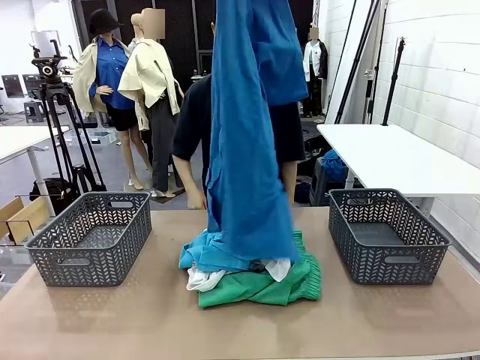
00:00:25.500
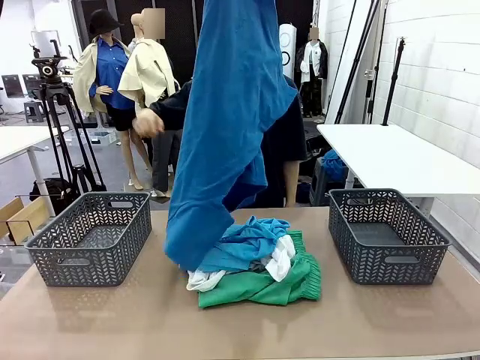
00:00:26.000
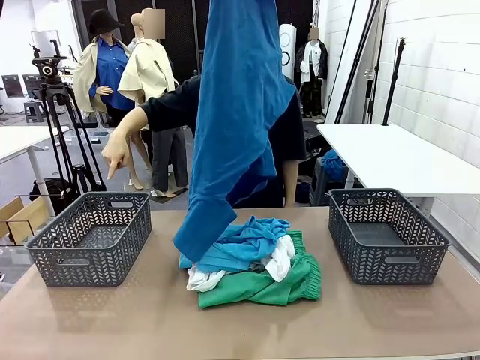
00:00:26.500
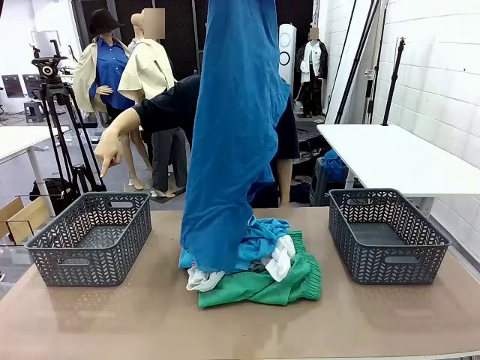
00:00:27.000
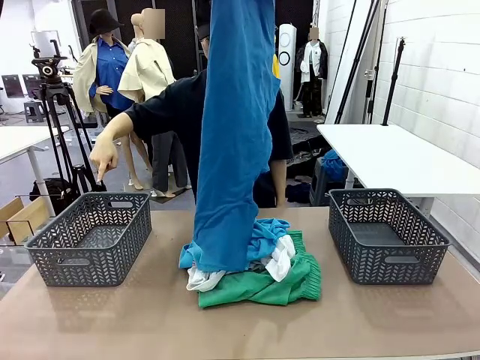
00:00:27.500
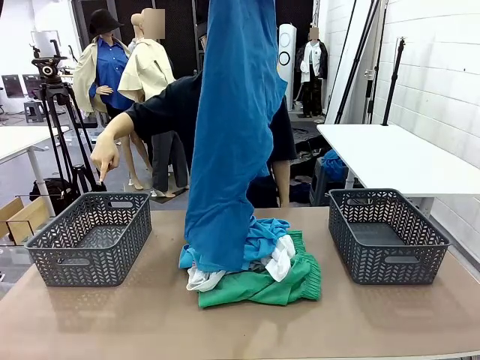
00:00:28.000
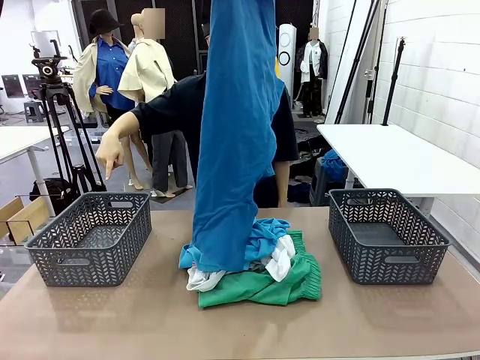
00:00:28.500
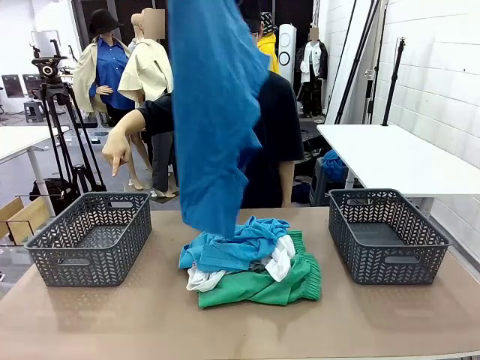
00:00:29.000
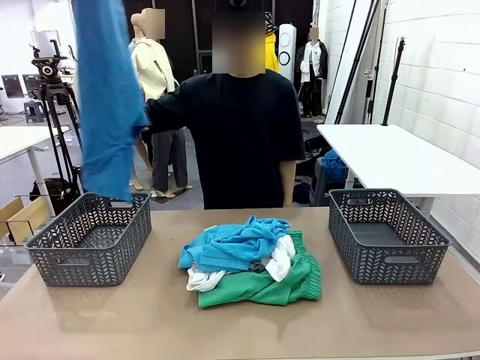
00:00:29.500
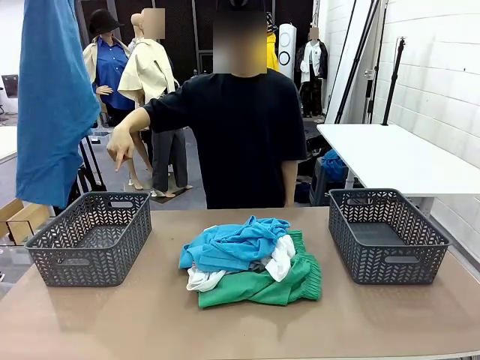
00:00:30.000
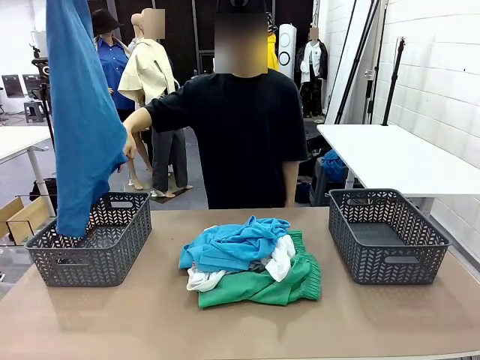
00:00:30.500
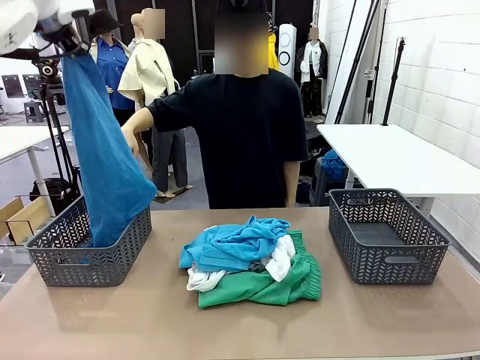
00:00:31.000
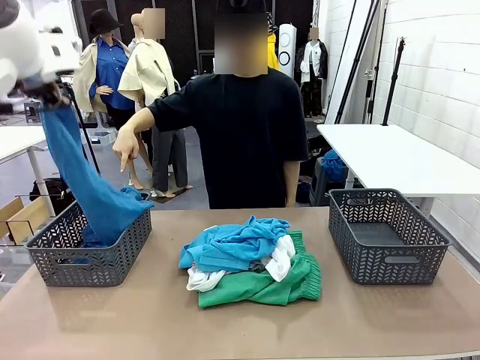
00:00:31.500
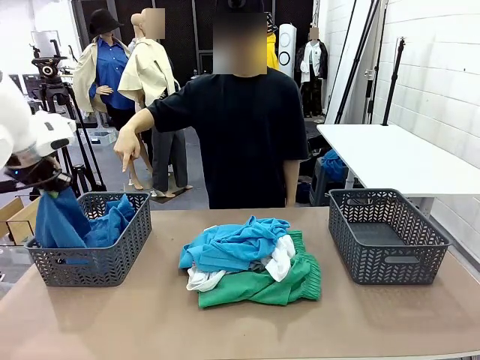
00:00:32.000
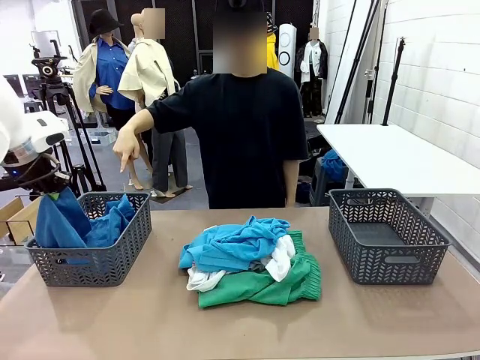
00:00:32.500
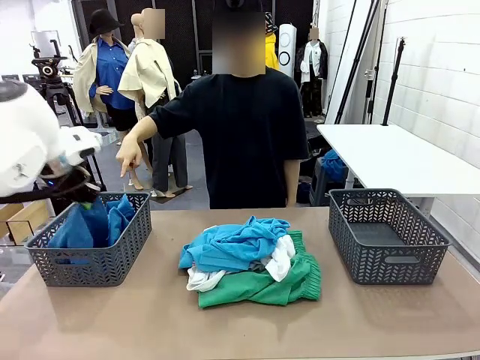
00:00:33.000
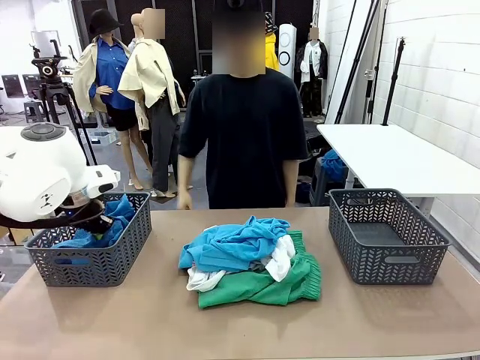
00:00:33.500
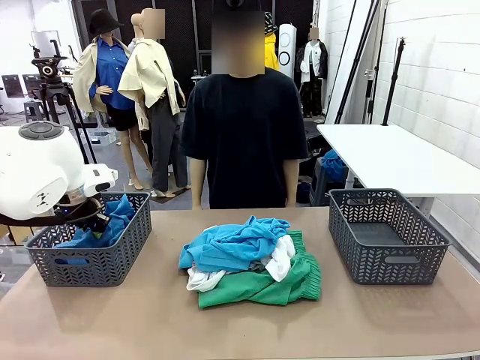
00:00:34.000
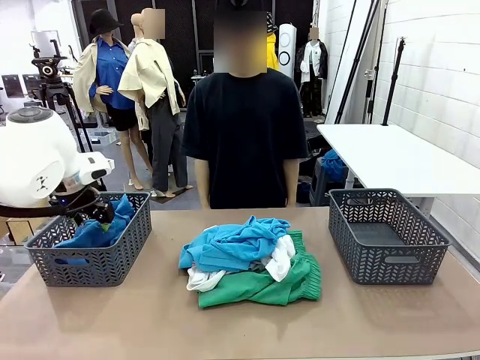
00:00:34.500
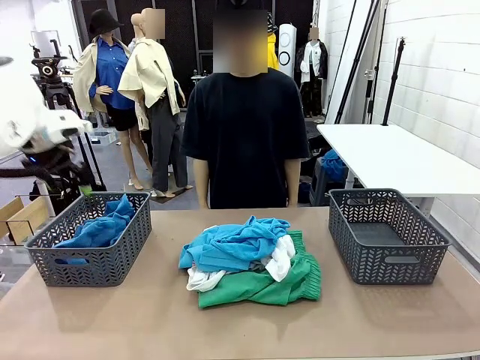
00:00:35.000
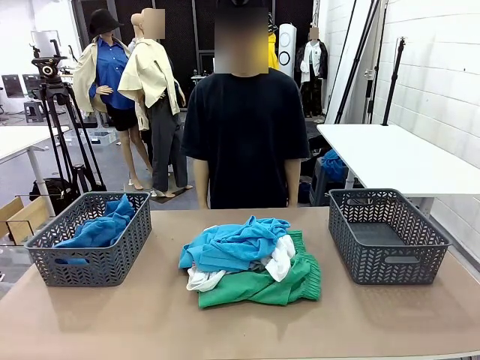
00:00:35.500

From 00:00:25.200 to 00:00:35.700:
Task: Sort the tops and bottoms.
Robot: Sort the clothes according to human instructions.

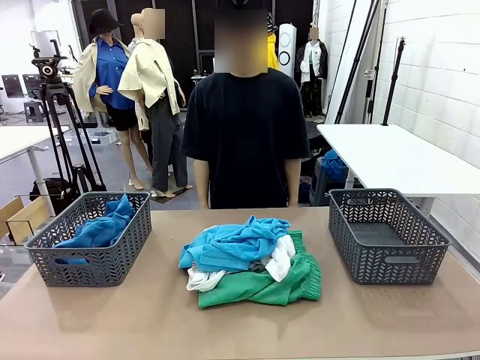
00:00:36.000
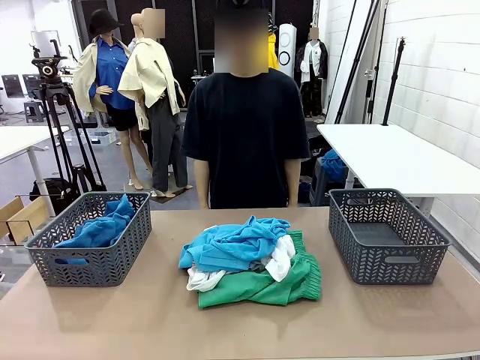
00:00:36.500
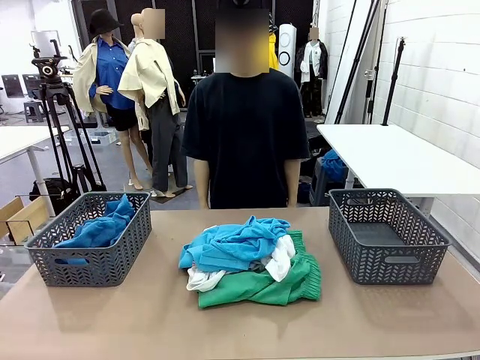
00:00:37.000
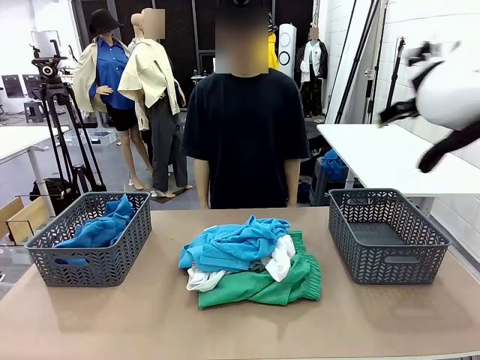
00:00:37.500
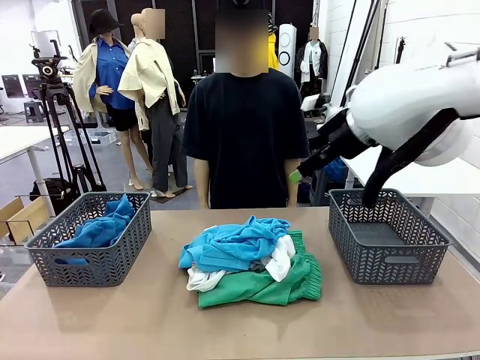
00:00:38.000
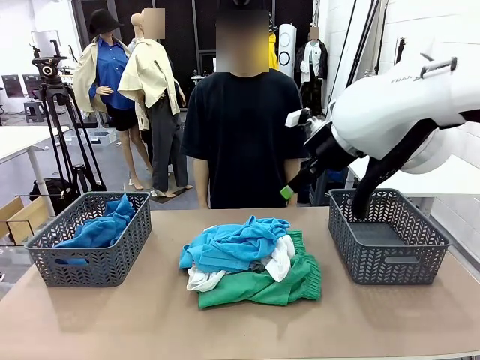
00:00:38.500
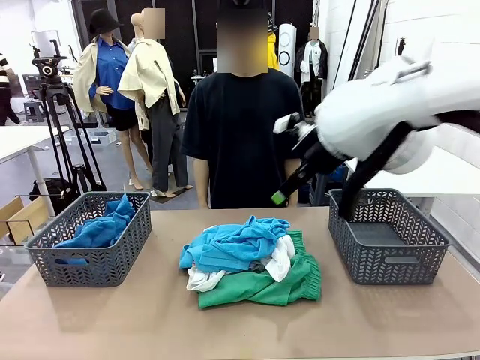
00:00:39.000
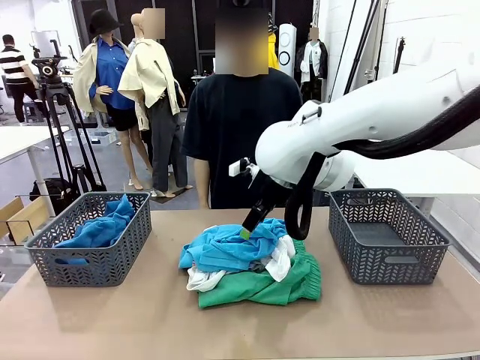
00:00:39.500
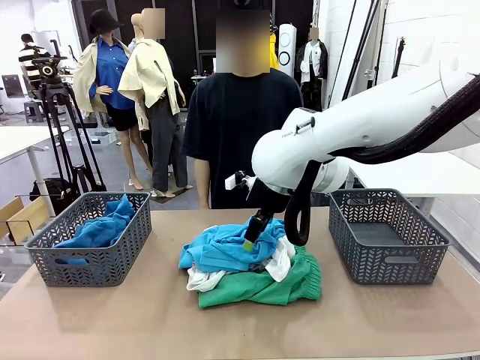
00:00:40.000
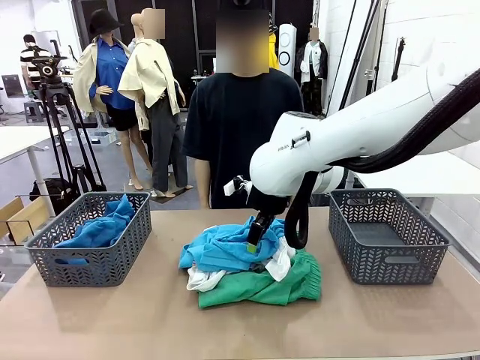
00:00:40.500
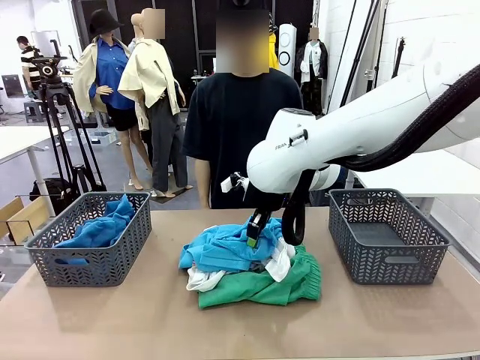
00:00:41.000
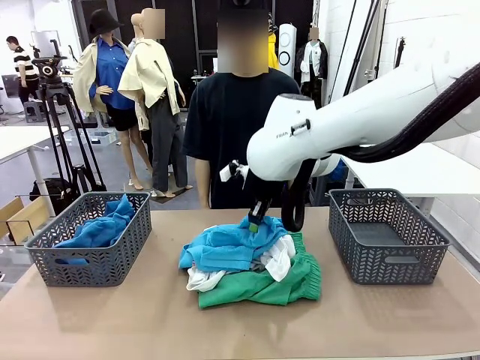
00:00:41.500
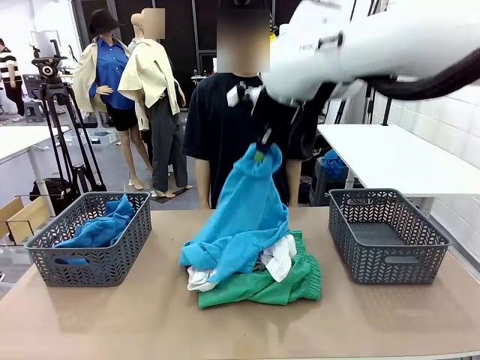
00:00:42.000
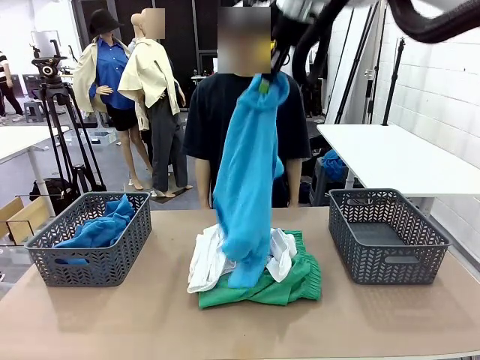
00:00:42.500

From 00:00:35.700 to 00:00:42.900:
Robot: Lift clothes from the center of the table with your right hand.

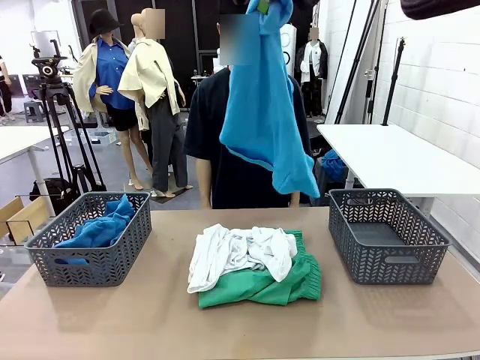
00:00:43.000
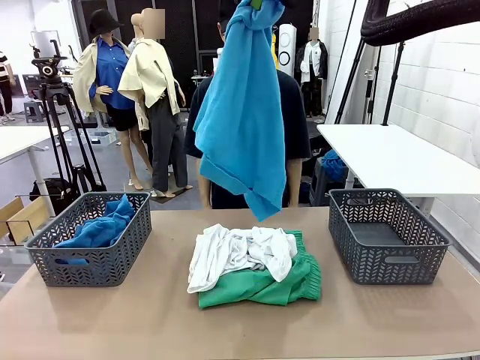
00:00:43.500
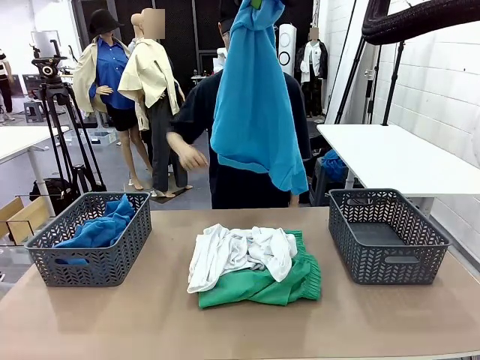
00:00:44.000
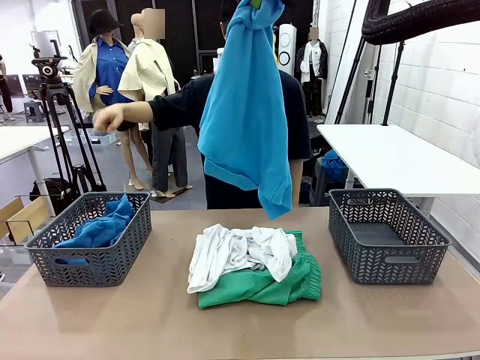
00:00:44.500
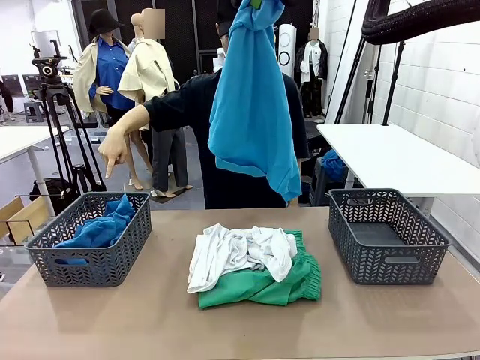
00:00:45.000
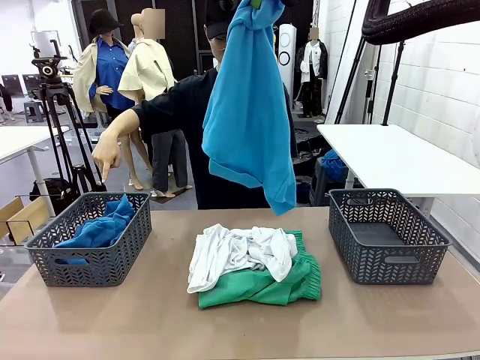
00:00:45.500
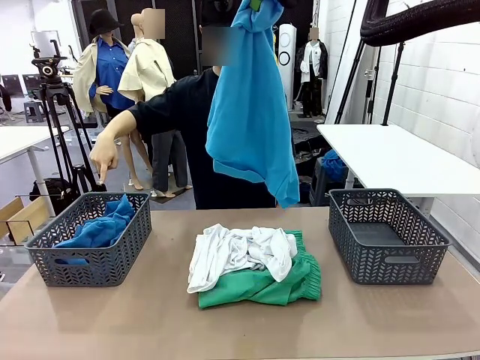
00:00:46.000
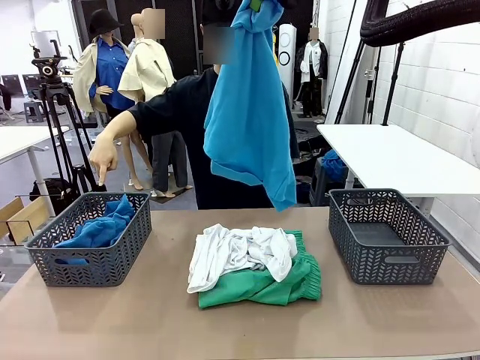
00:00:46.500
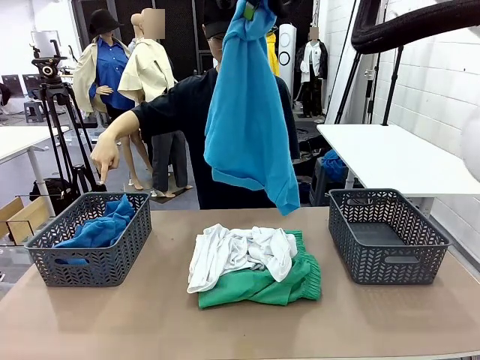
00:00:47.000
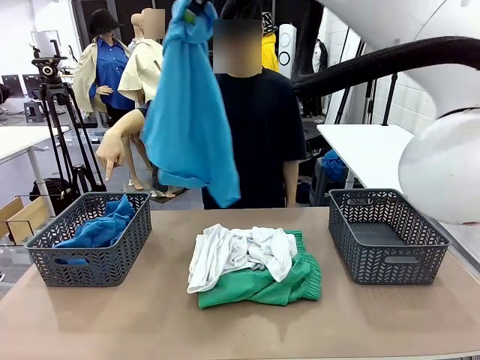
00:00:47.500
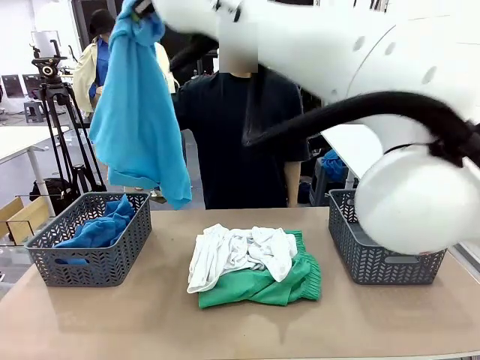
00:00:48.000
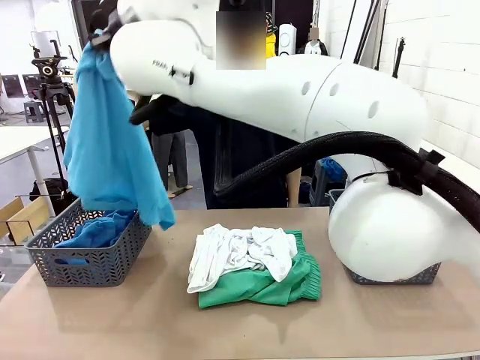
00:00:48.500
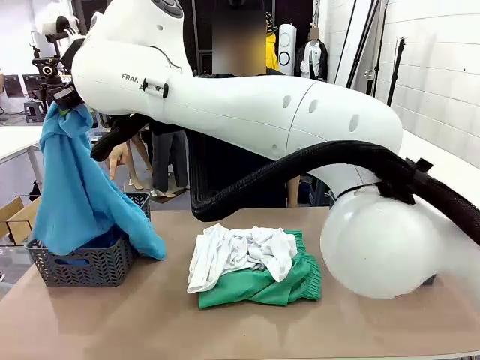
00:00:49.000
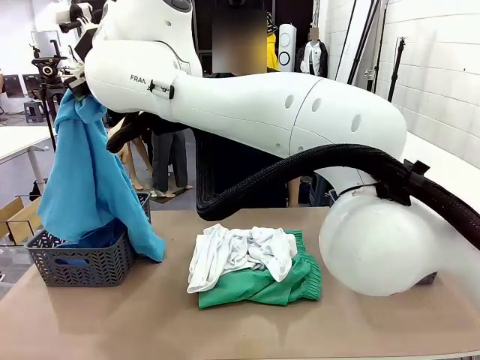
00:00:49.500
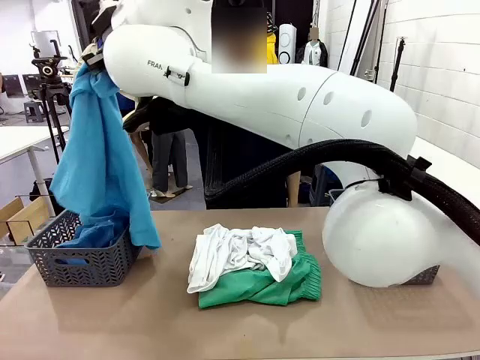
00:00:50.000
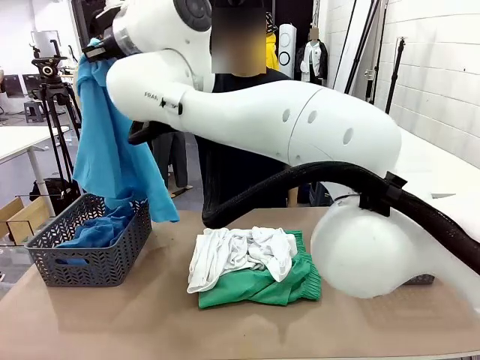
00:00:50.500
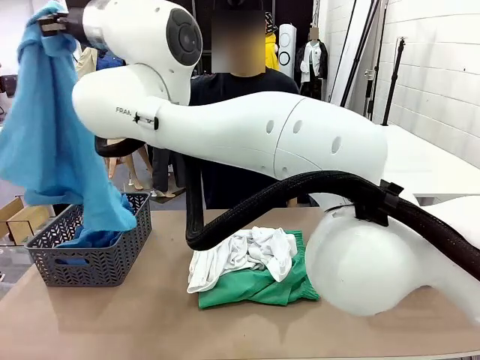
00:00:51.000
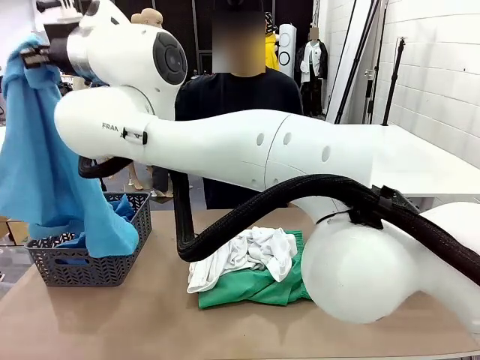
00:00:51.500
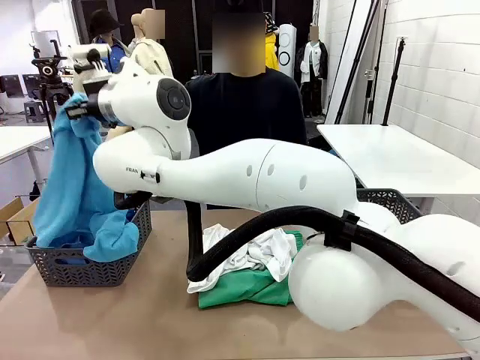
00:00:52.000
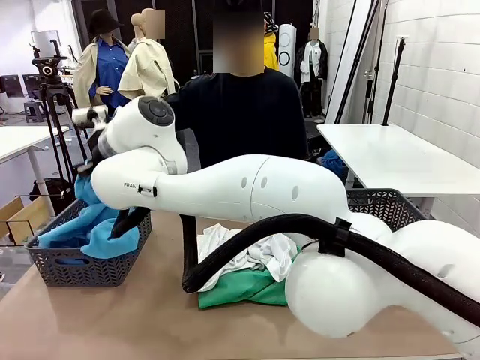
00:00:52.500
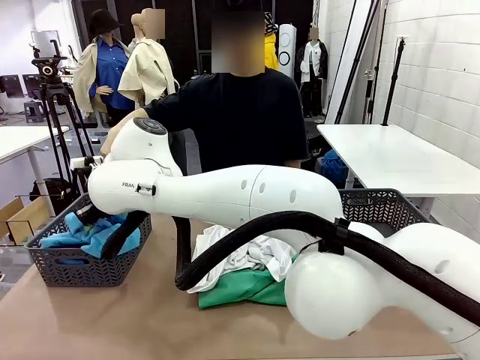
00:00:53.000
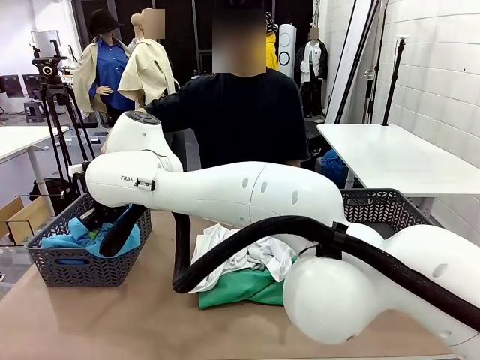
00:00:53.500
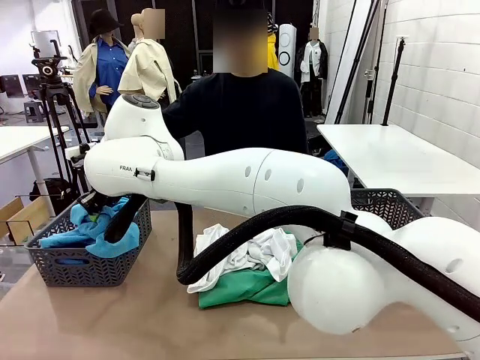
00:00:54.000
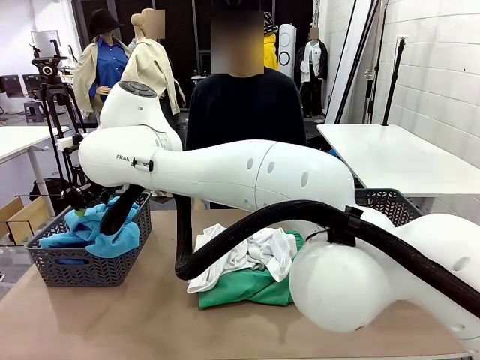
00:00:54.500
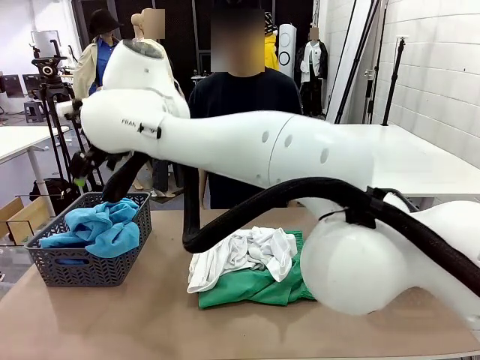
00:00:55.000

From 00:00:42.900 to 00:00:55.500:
Robot: Sort the clothes according to human instructions.
